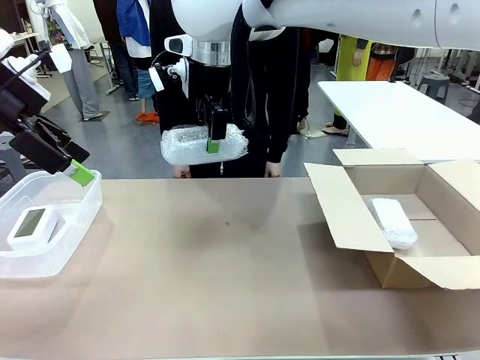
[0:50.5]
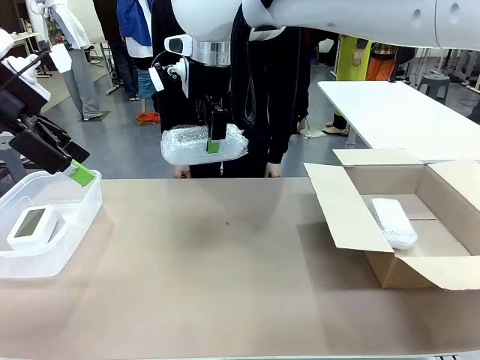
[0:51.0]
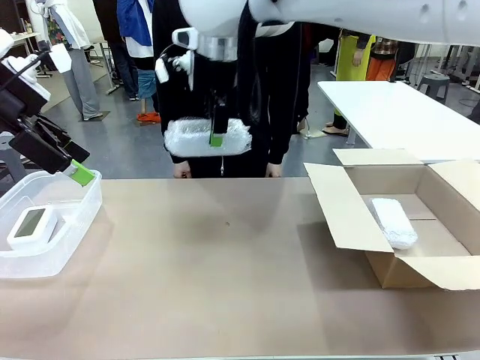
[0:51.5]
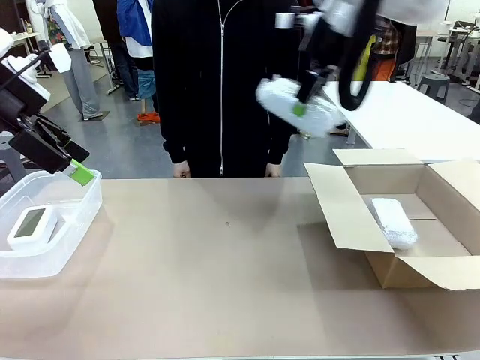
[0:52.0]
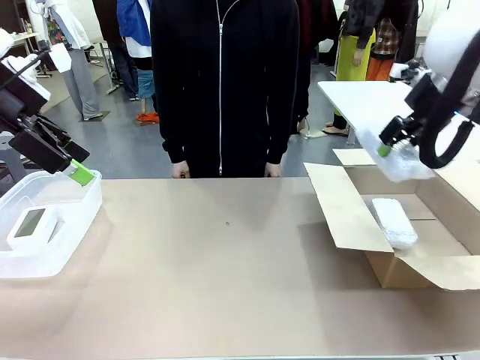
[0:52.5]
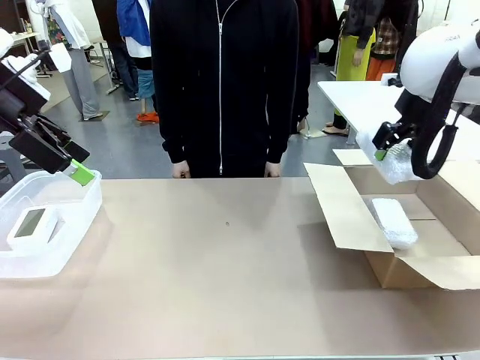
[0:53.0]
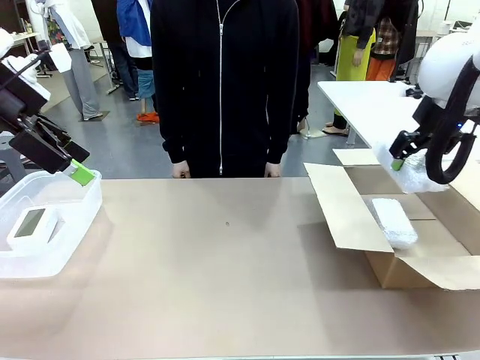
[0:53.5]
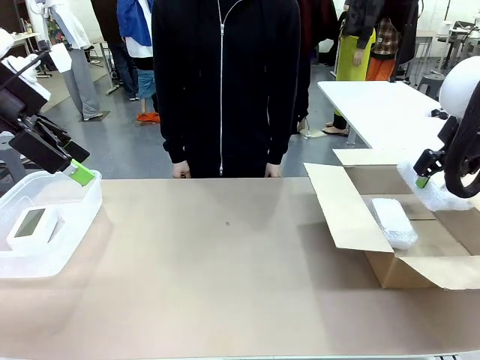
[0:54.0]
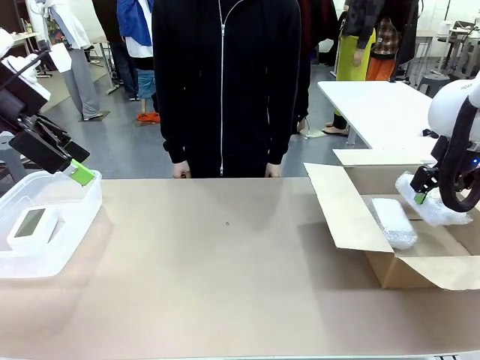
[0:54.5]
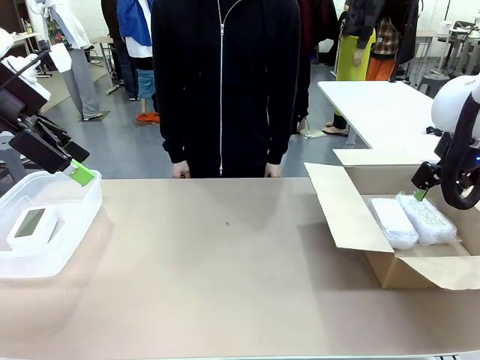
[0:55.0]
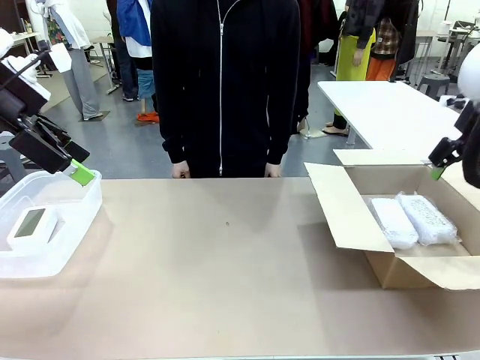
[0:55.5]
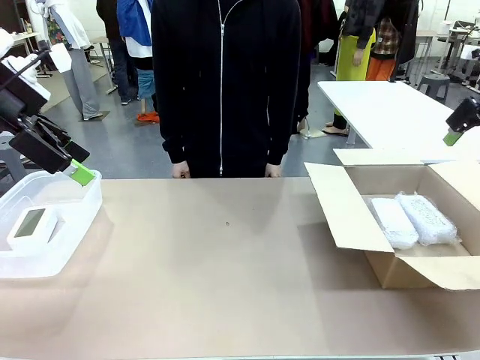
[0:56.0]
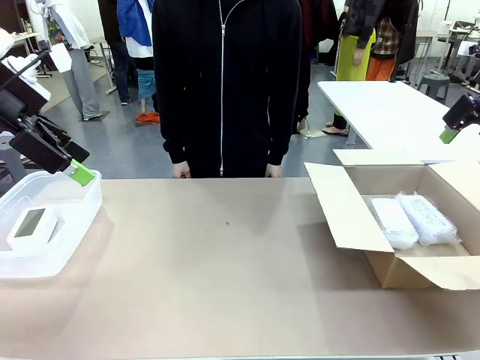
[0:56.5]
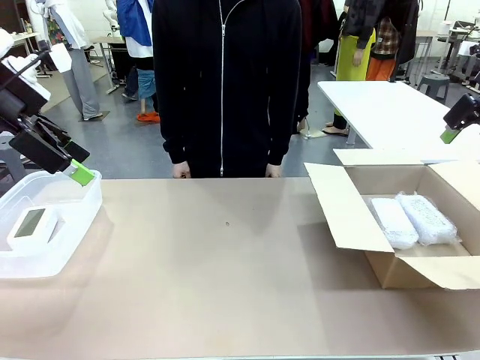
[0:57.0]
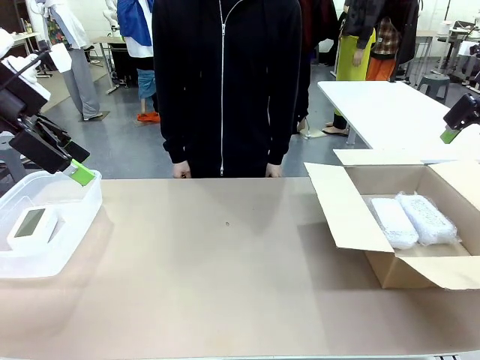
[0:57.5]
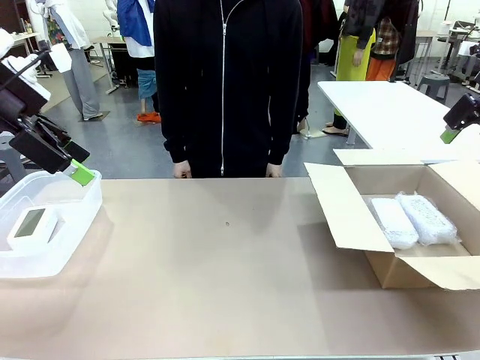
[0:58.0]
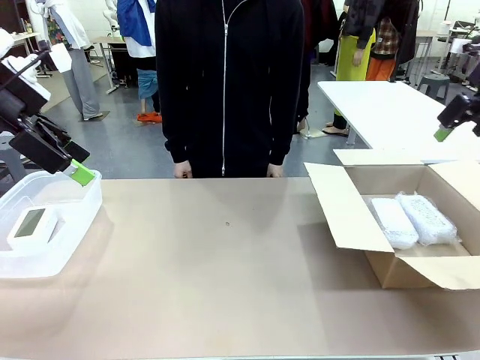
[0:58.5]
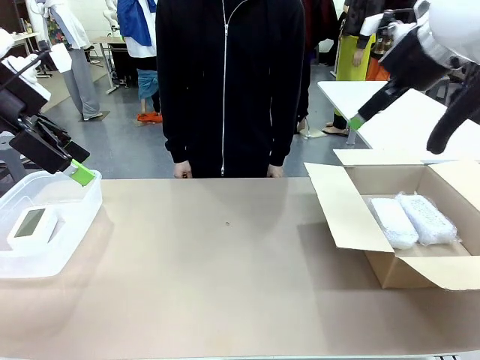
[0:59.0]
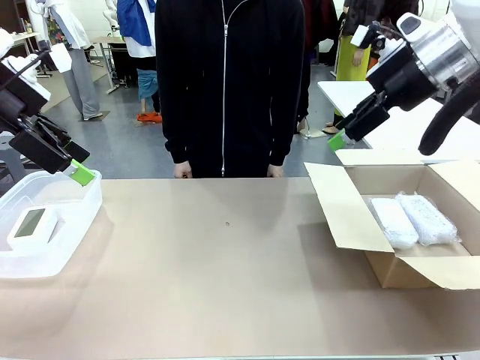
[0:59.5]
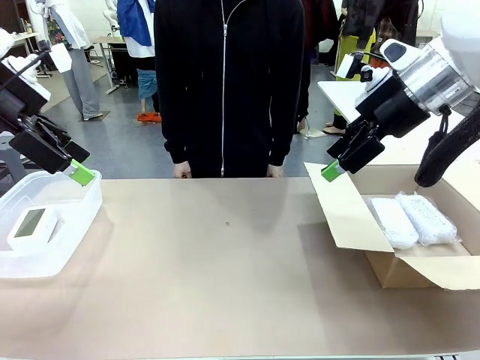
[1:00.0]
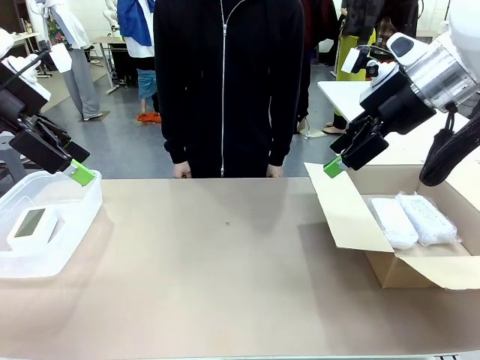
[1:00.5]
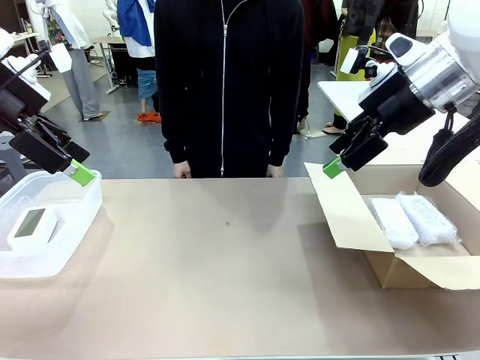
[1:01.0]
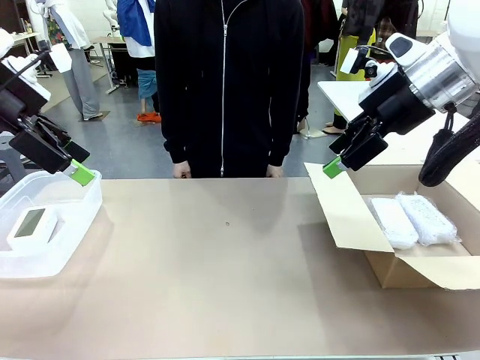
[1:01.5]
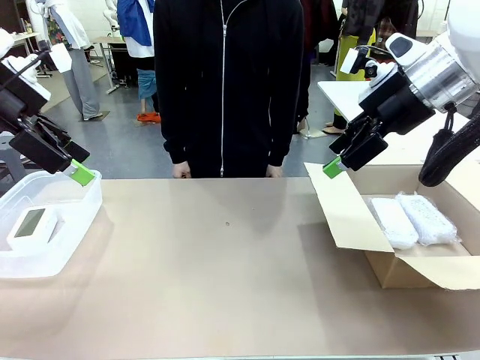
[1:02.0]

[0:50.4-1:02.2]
Task: Separate and place wrapped and unwrapped clocks.
Robot: If the picked Digital clock is wrapped, place it in the Package Box ; if not, place it in the Organizing box.

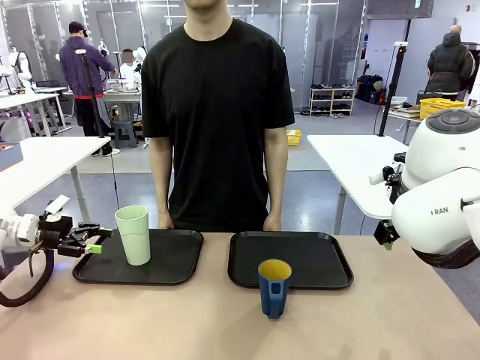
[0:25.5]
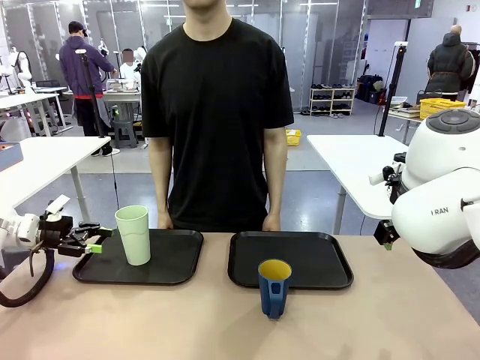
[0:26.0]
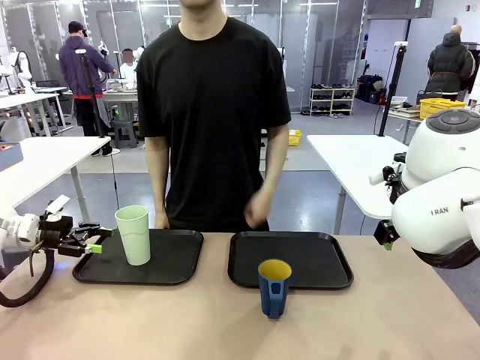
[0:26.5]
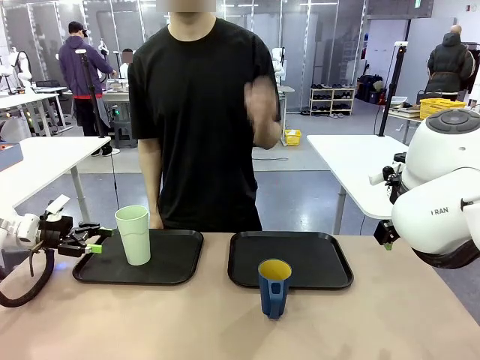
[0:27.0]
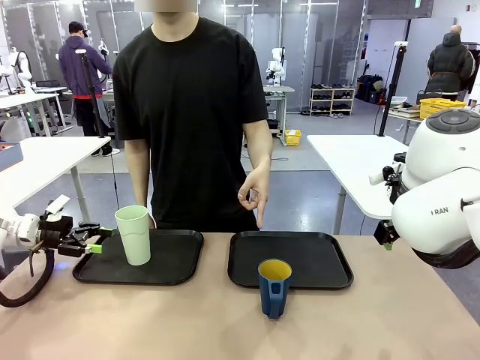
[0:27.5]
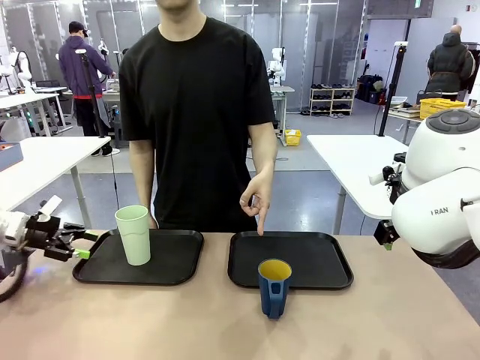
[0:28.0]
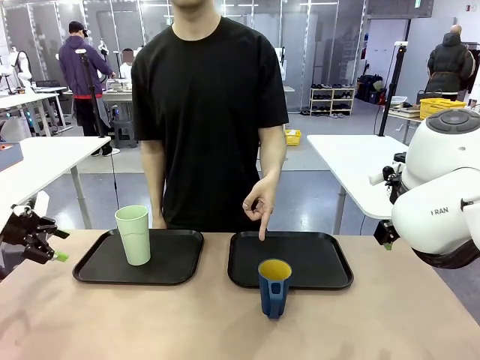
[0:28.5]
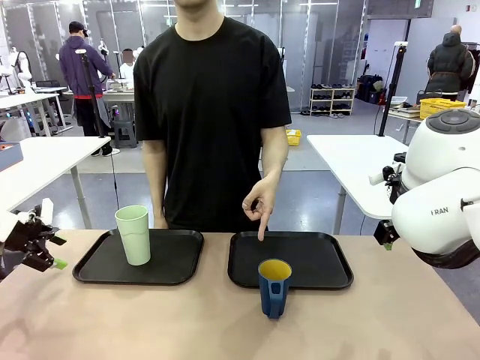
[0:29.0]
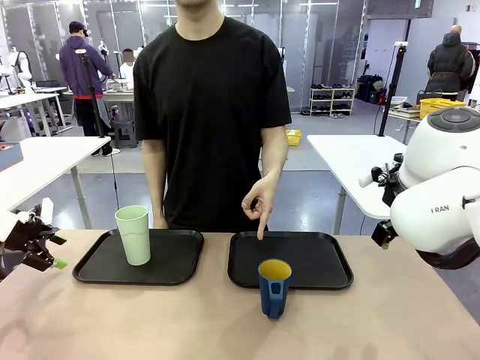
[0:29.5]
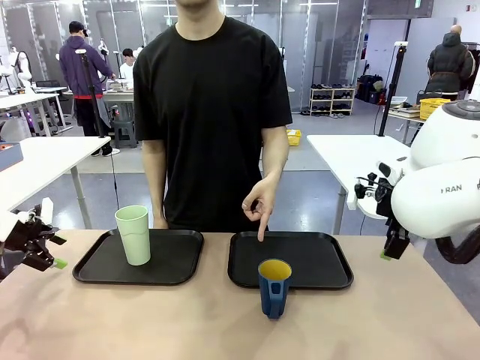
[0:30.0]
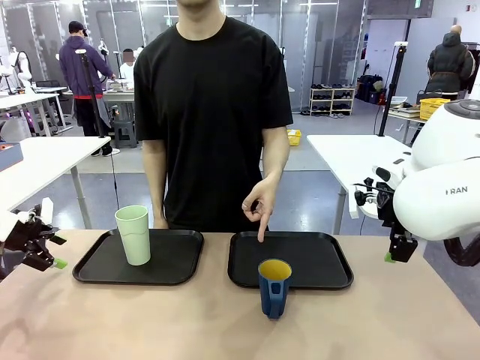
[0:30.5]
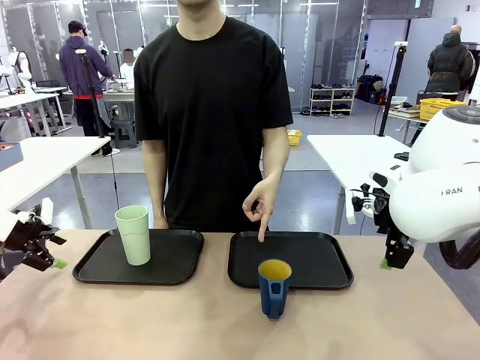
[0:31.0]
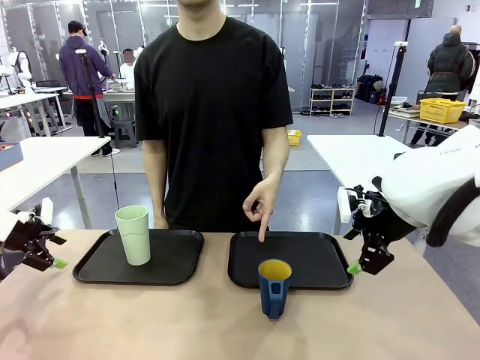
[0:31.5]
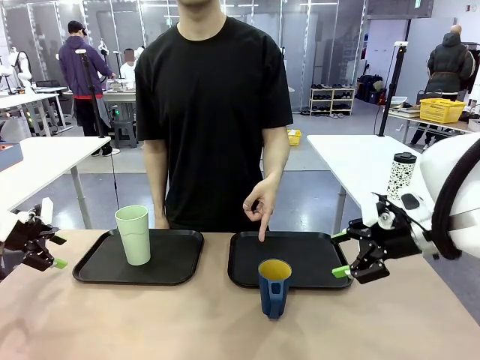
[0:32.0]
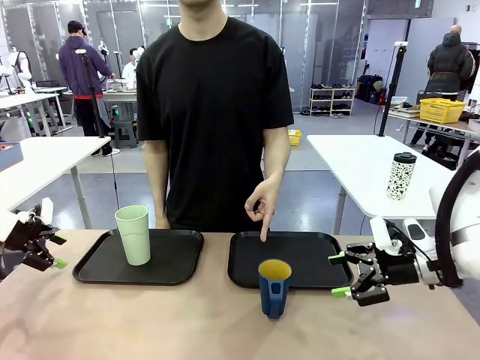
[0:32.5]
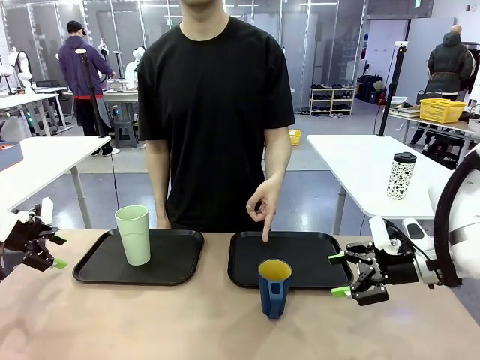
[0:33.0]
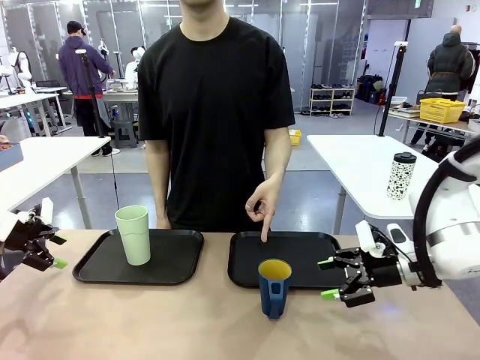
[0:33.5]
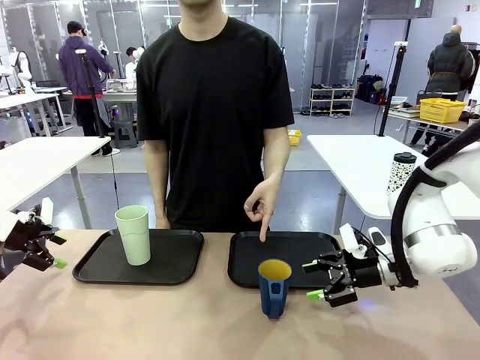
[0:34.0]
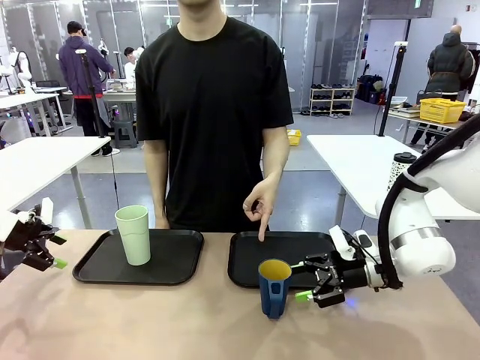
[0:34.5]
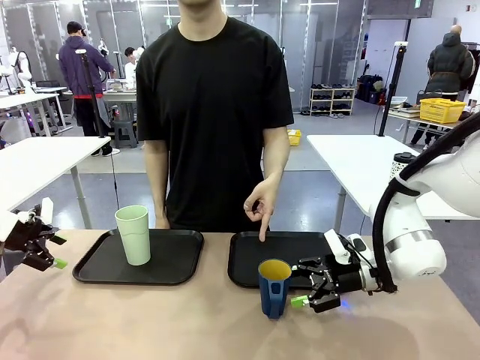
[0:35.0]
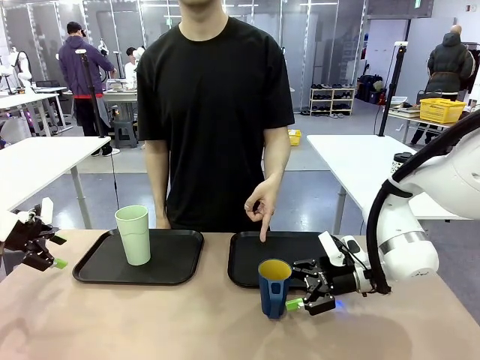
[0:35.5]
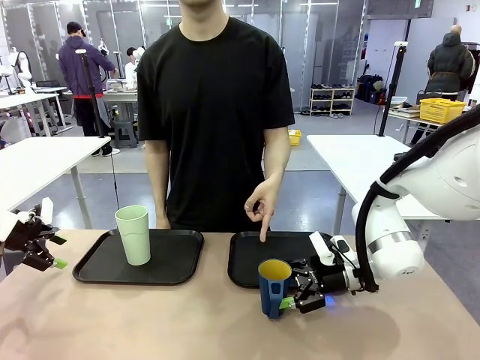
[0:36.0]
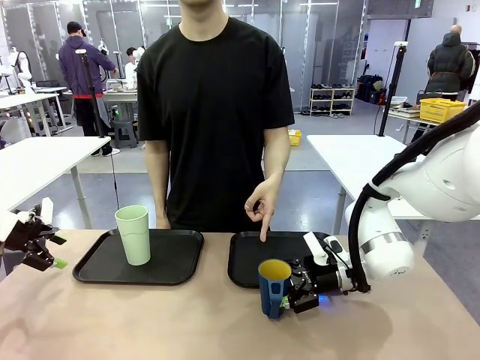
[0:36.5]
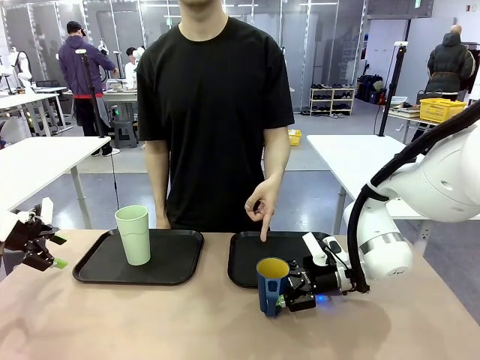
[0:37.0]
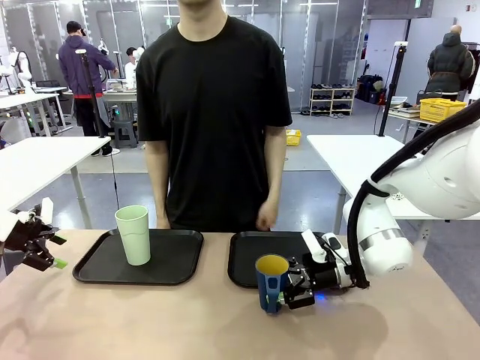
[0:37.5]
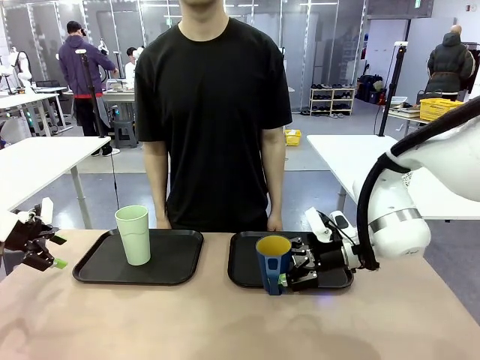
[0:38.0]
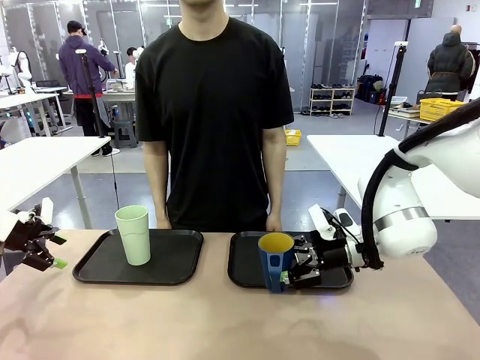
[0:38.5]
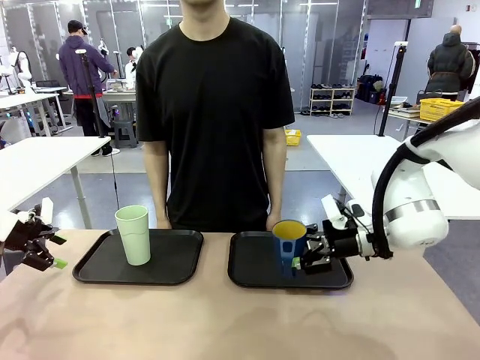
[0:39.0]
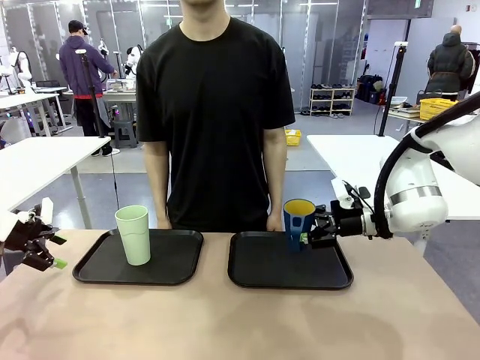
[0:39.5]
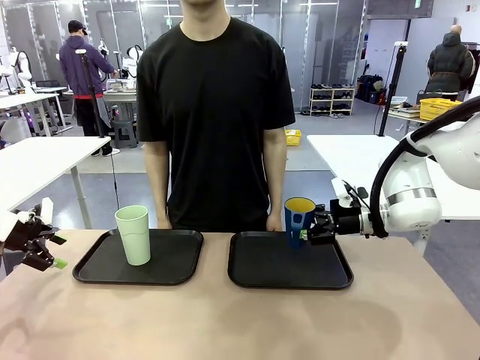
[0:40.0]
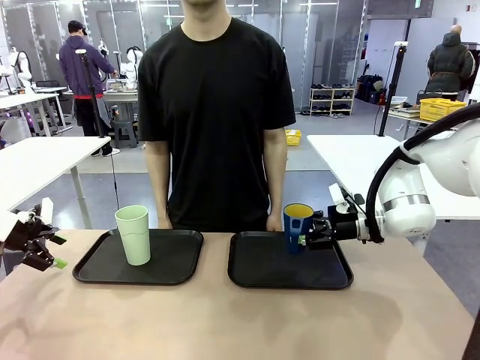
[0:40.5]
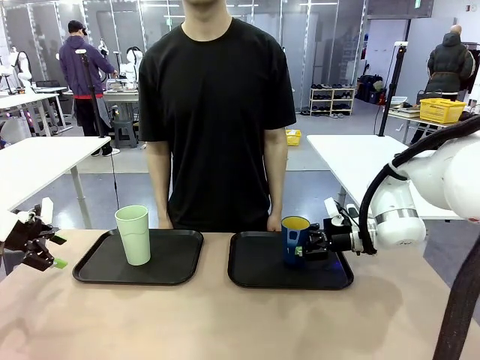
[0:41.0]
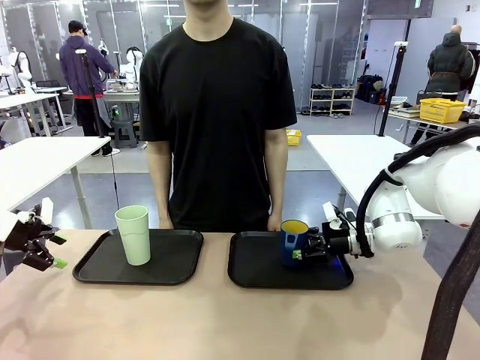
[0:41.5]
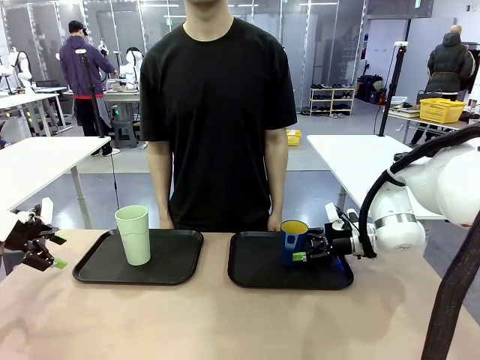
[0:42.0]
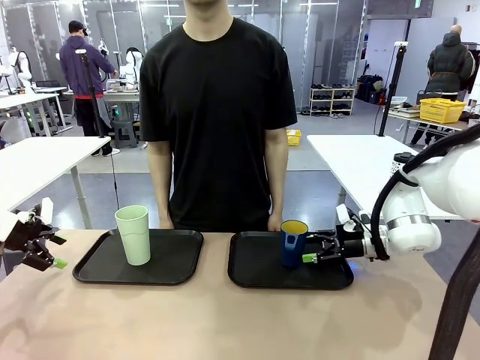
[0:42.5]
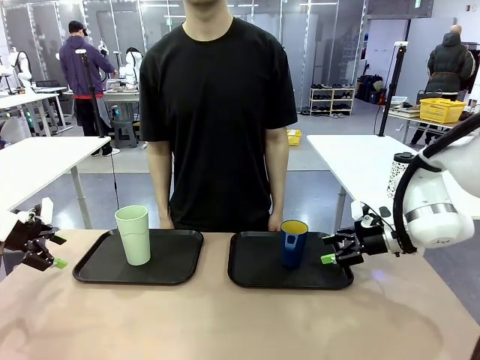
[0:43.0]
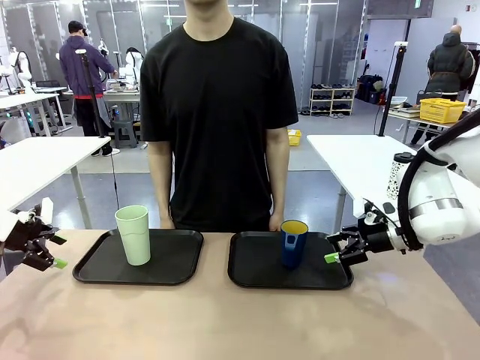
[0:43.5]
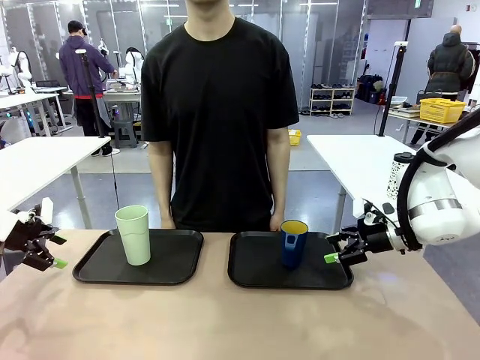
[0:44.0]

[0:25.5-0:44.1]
Task: Sort and store the cups by type.
Robot: Pick up the Handle plastic cup and place it into the empty Flat Tray.
Person: Points to the cup with a handle.
